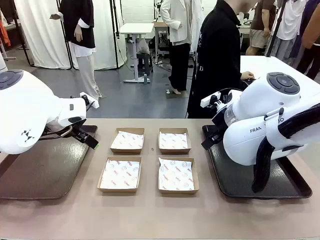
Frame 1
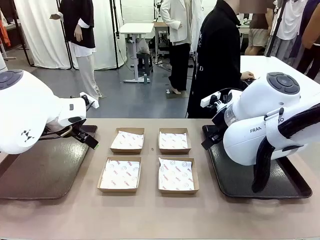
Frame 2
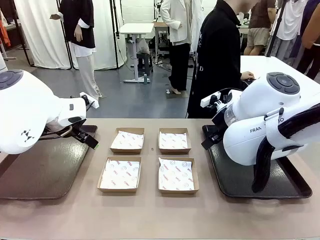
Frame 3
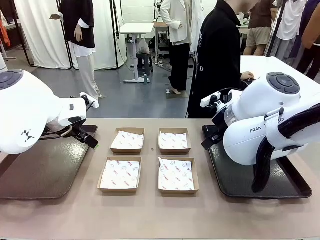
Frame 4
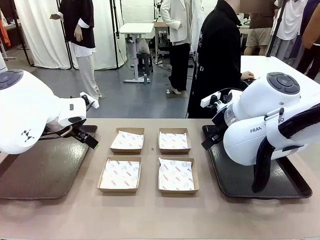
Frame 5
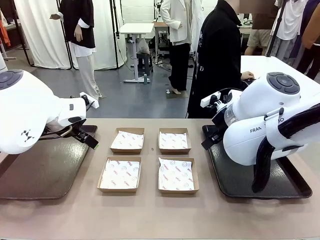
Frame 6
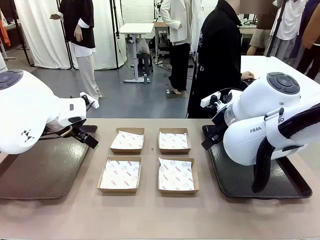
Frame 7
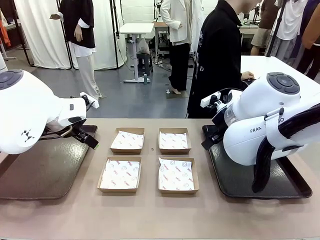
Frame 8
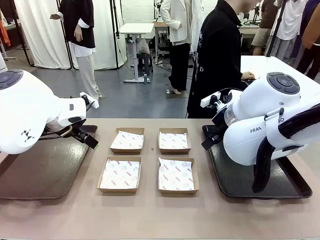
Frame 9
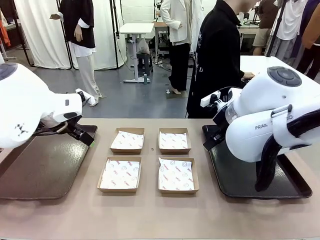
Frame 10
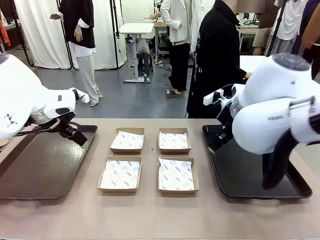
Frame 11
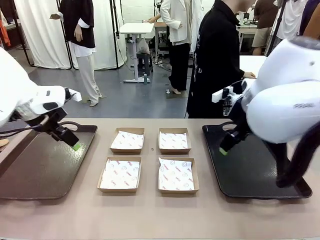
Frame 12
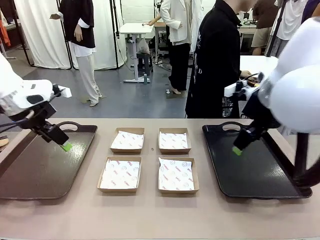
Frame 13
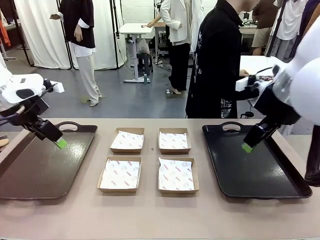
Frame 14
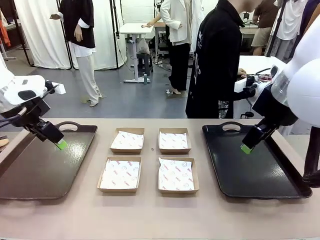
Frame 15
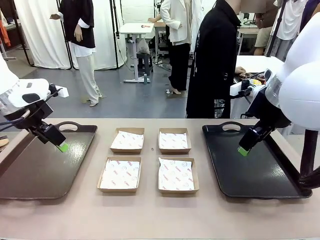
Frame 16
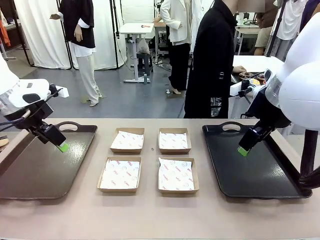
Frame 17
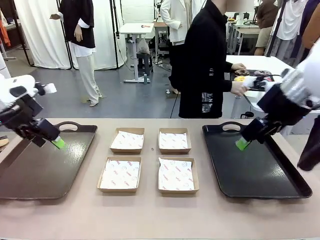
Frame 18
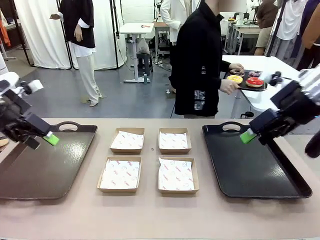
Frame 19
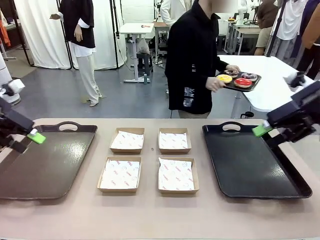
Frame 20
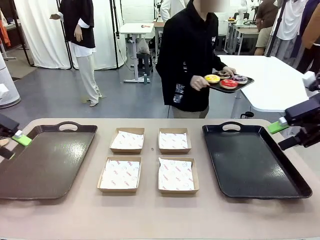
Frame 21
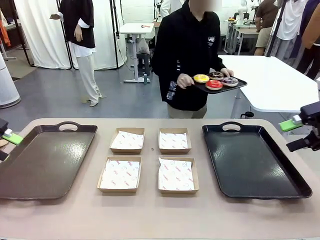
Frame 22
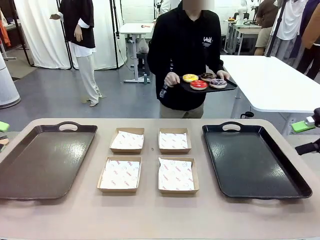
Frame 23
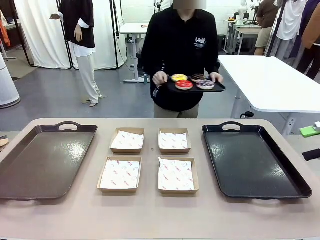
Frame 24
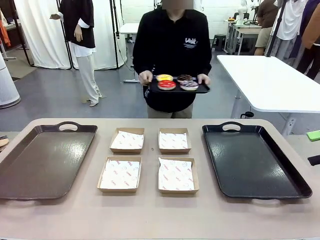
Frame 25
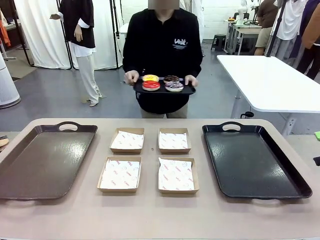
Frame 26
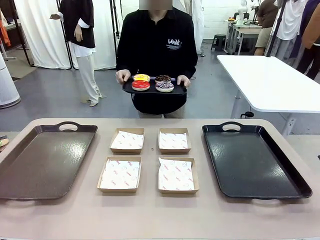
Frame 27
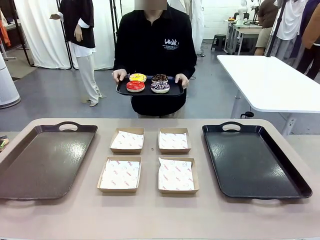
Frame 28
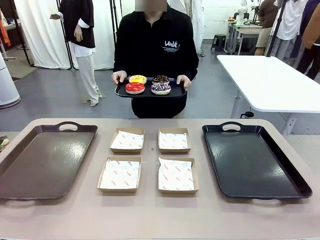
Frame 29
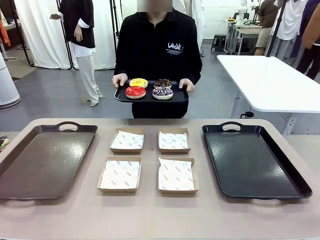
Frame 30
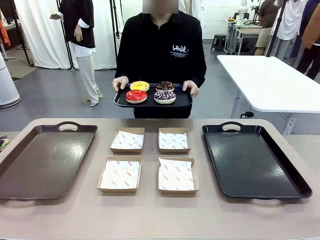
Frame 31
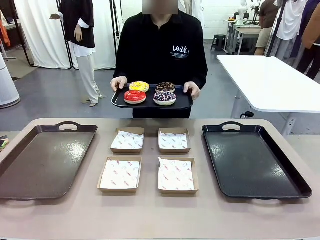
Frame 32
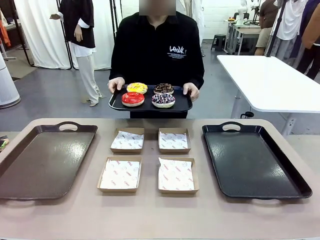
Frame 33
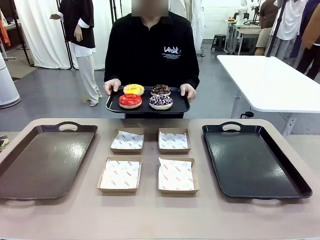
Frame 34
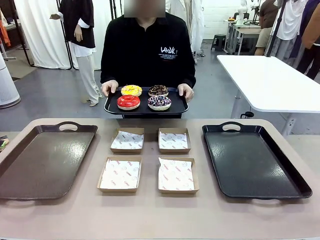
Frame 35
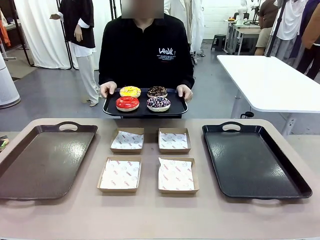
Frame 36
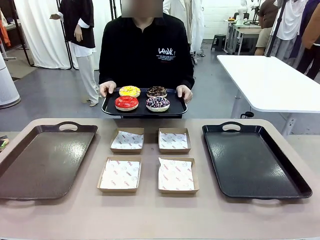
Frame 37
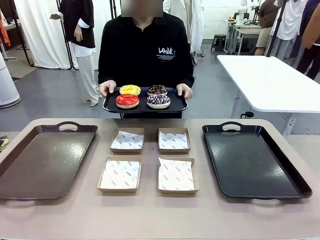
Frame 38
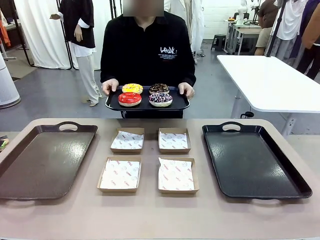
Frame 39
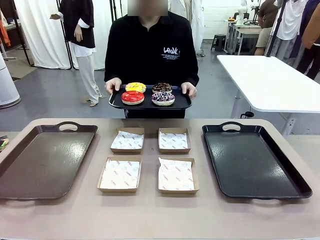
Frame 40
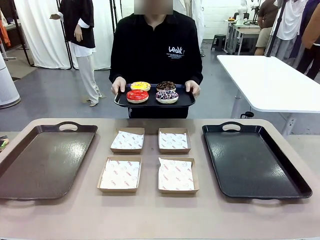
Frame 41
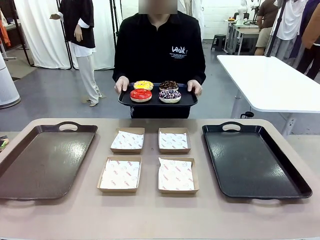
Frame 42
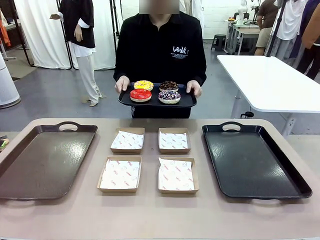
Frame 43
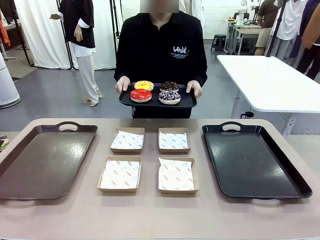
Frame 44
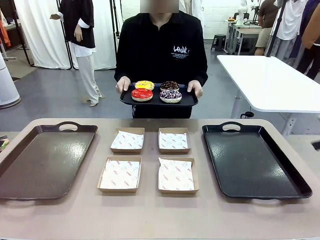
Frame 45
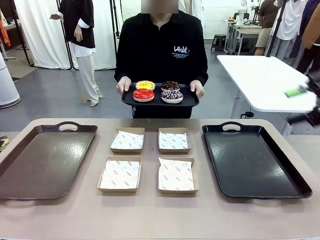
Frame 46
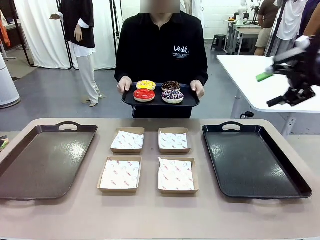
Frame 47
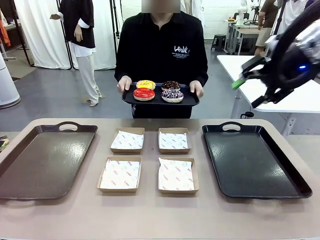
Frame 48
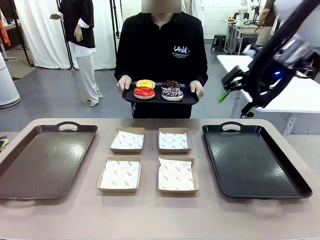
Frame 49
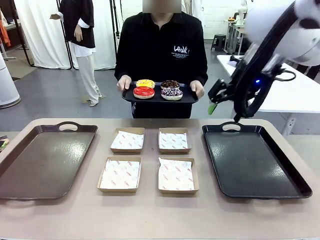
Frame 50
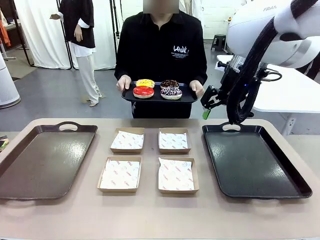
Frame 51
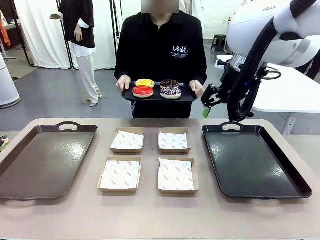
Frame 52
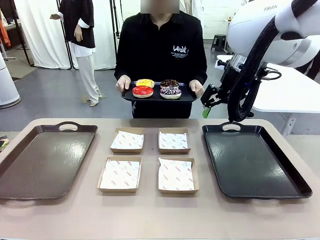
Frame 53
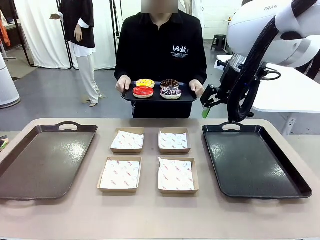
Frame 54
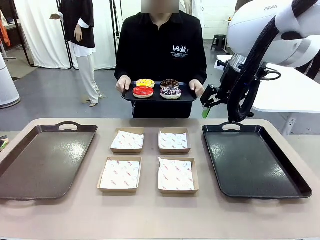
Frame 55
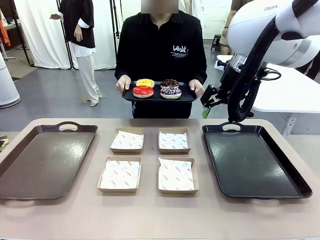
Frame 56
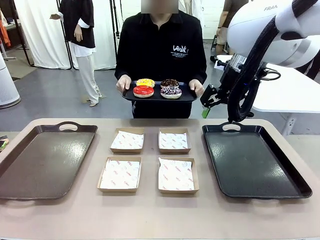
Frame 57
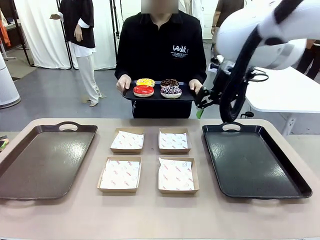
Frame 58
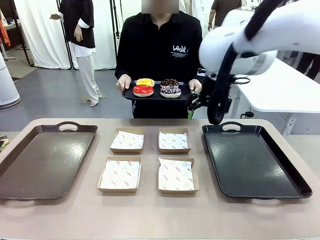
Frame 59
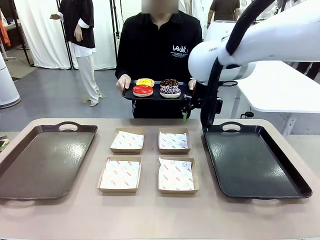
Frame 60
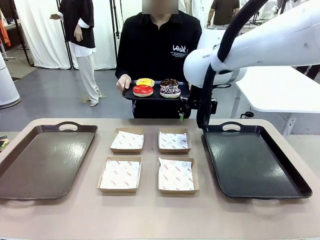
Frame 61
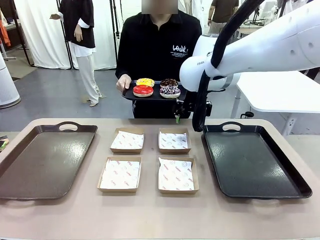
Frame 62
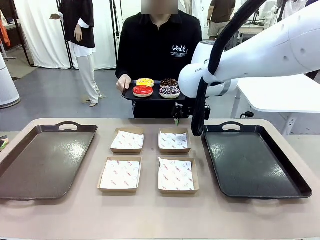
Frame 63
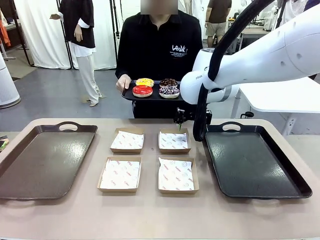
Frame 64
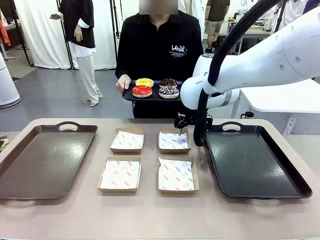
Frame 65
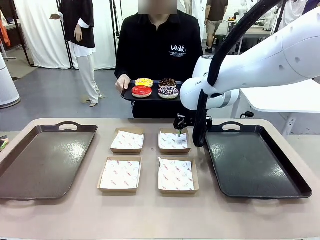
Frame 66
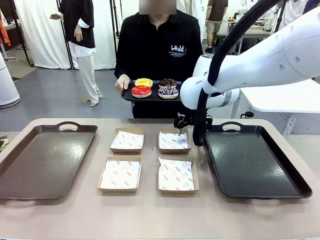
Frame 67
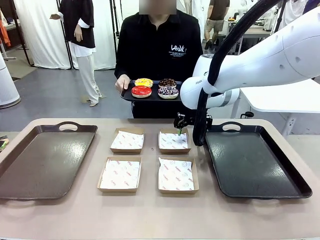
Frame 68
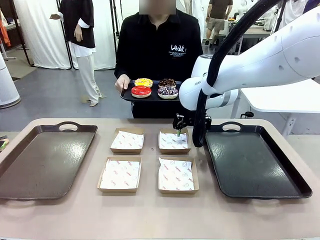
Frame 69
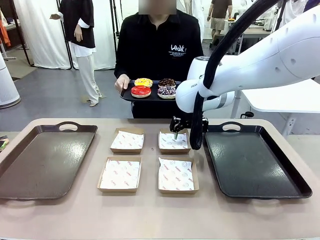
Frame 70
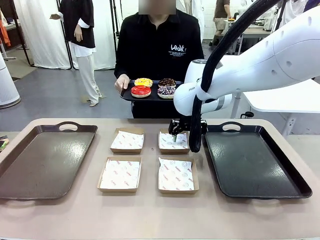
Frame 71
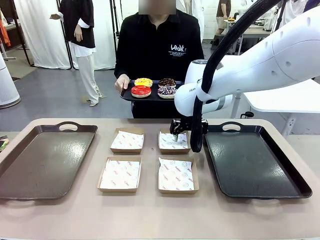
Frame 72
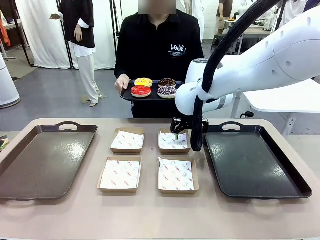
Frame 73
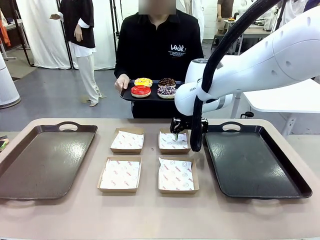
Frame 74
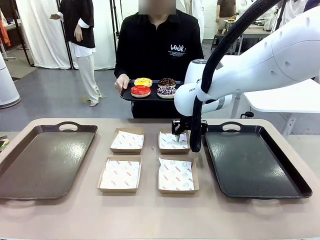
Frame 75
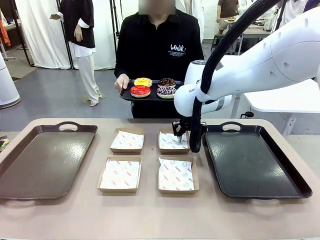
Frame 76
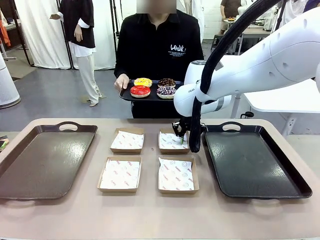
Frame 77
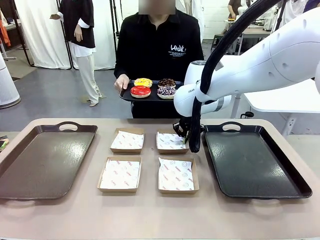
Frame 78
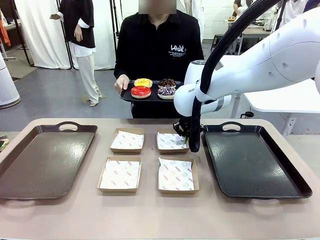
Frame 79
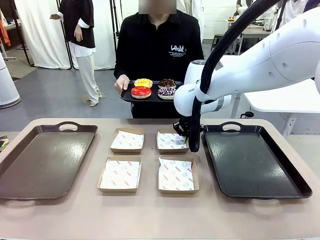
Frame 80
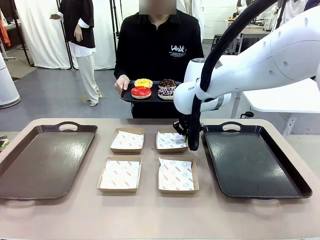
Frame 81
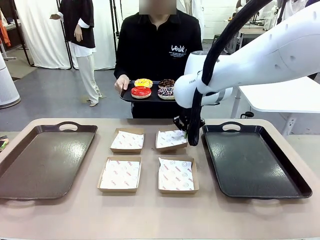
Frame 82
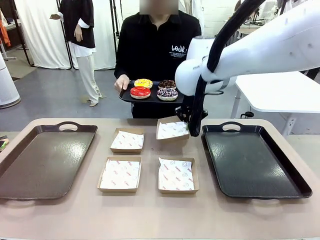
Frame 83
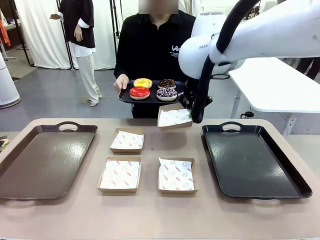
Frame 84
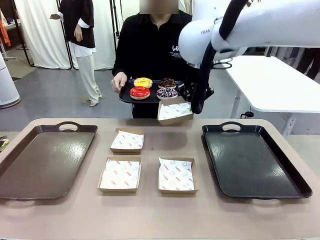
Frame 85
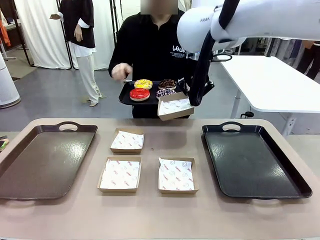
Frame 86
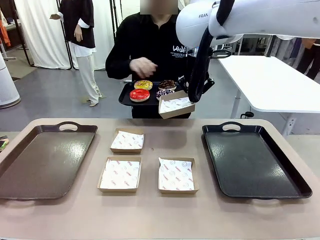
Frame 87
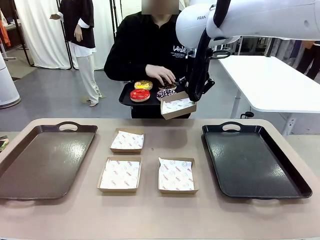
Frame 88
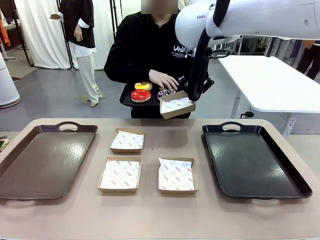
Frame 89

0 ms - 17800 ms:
Task: Individually package the donuts and arrange them on the tray.
Robot: Pick up one Paper togo box.
Person: Stand in front of the robot table holding the tray containing the donuts.
